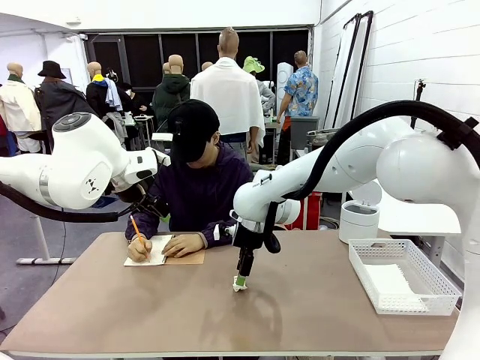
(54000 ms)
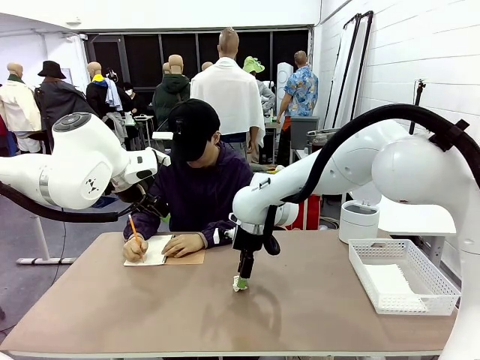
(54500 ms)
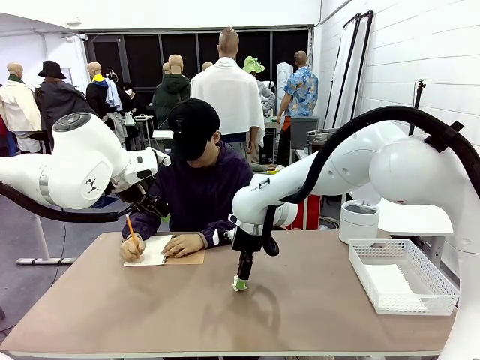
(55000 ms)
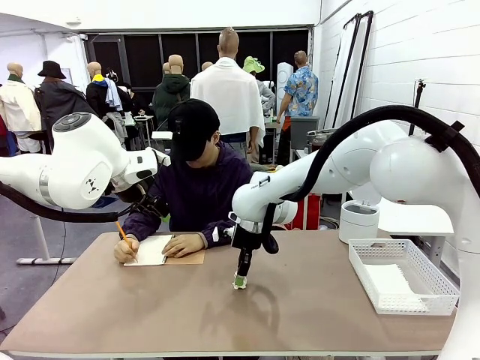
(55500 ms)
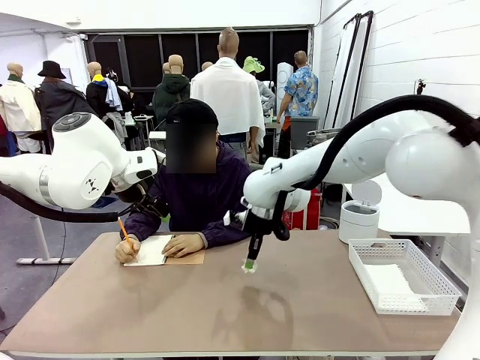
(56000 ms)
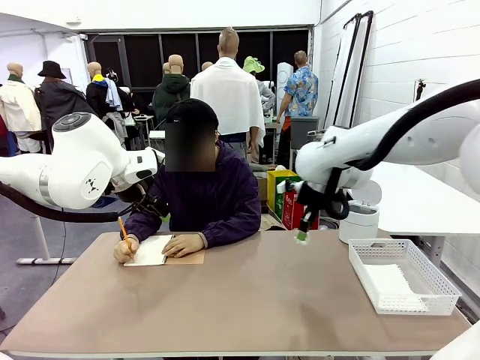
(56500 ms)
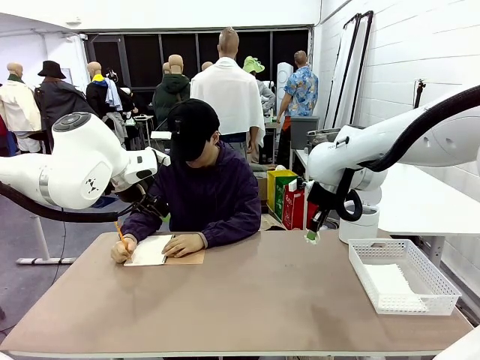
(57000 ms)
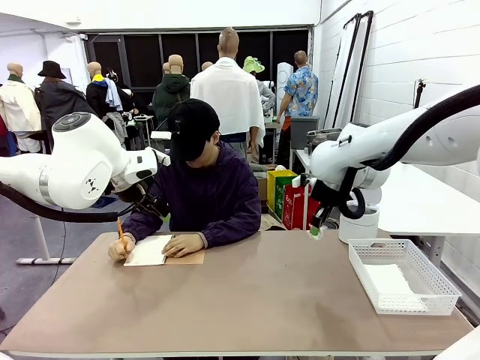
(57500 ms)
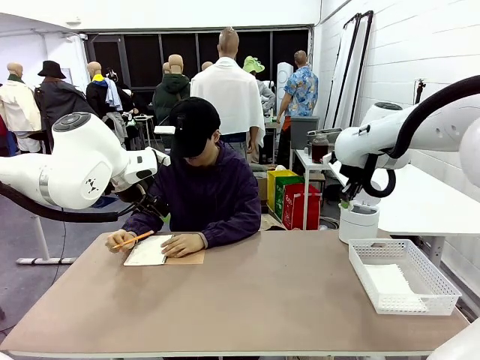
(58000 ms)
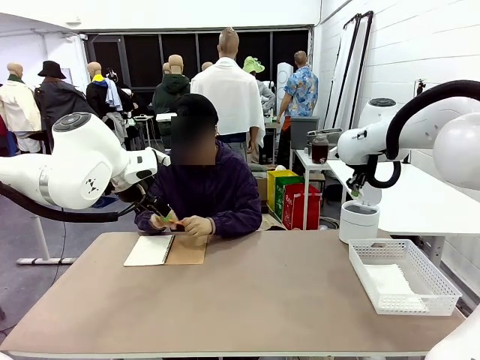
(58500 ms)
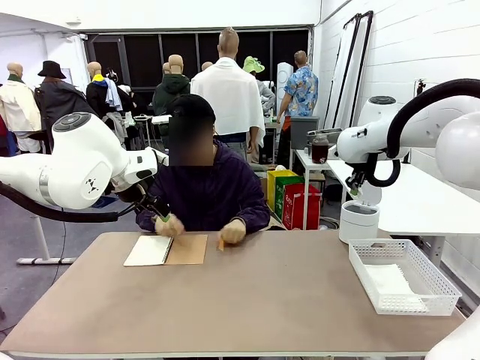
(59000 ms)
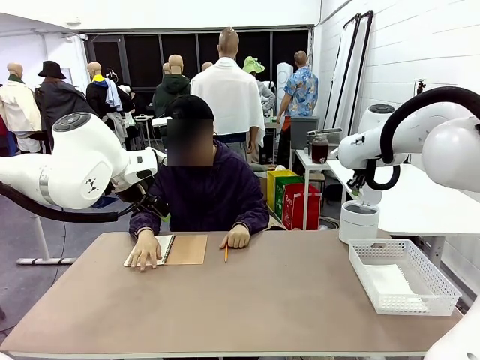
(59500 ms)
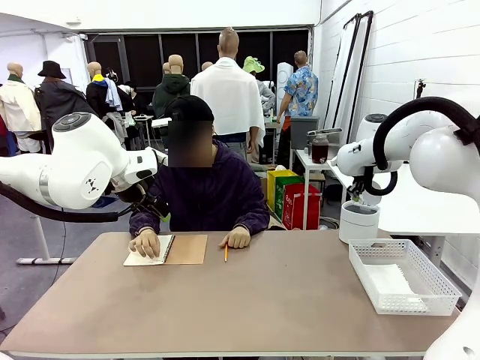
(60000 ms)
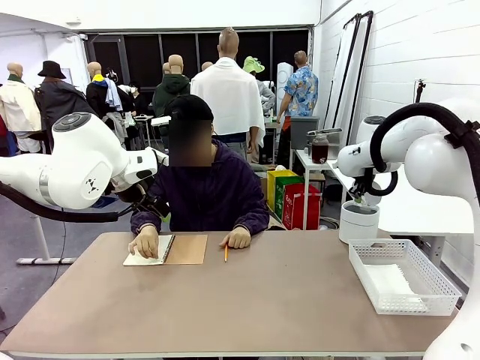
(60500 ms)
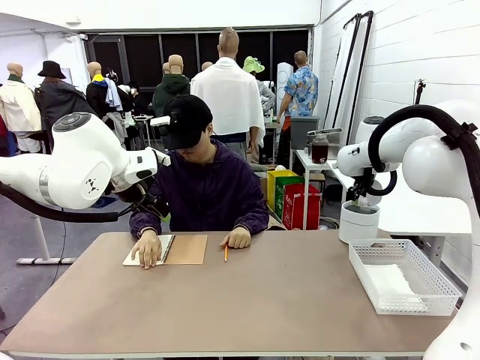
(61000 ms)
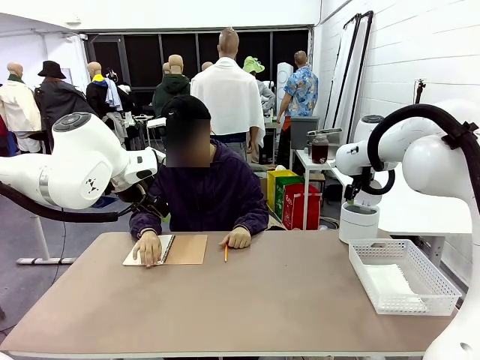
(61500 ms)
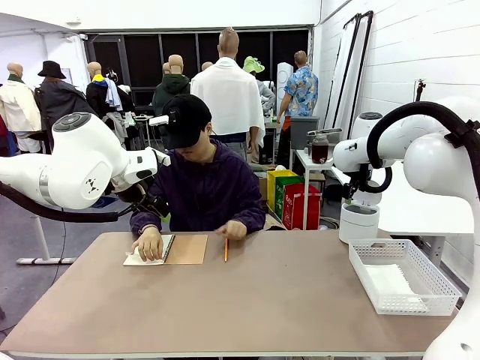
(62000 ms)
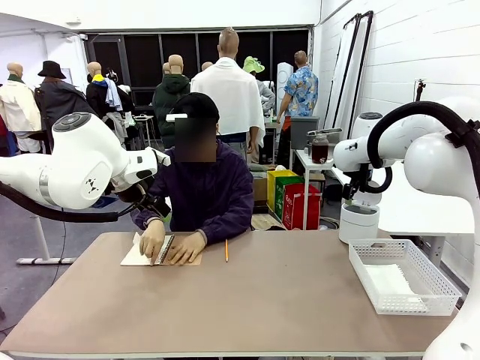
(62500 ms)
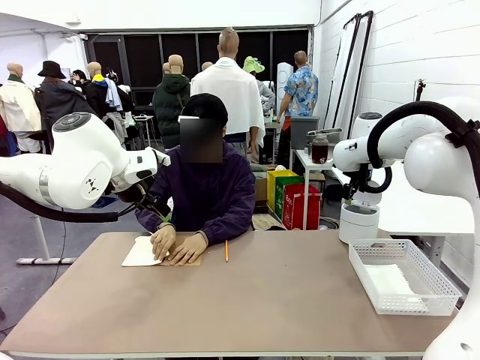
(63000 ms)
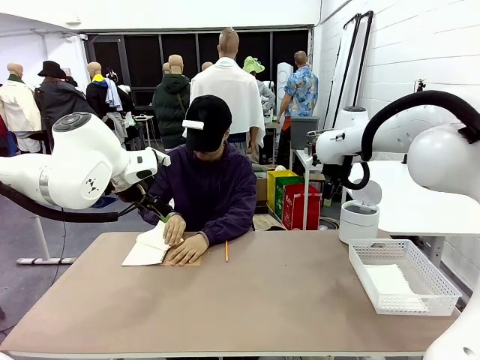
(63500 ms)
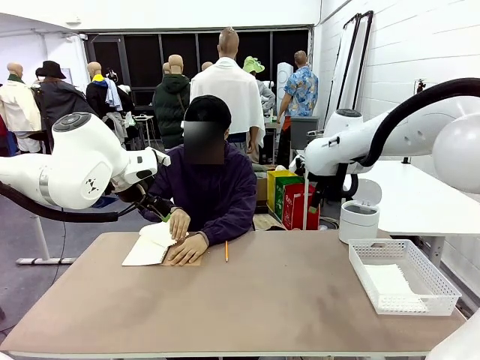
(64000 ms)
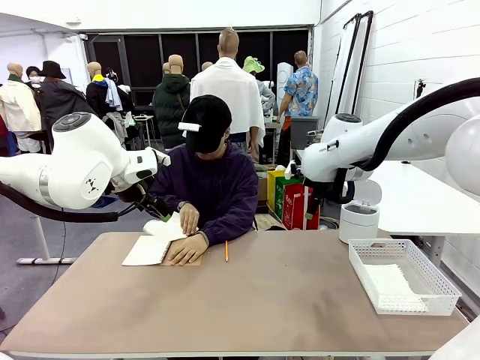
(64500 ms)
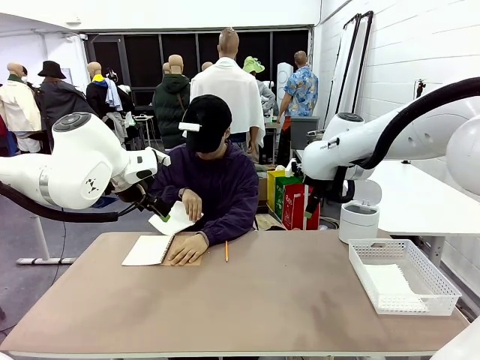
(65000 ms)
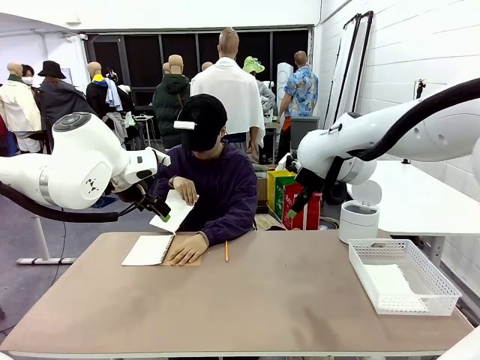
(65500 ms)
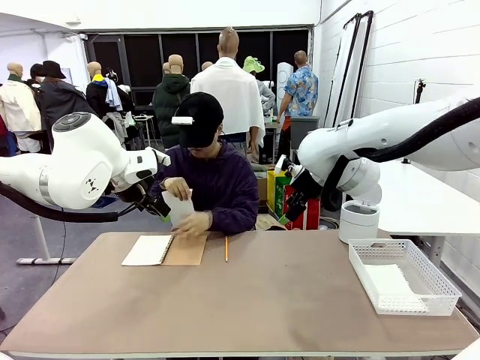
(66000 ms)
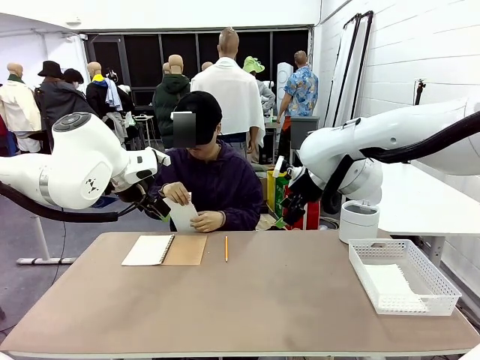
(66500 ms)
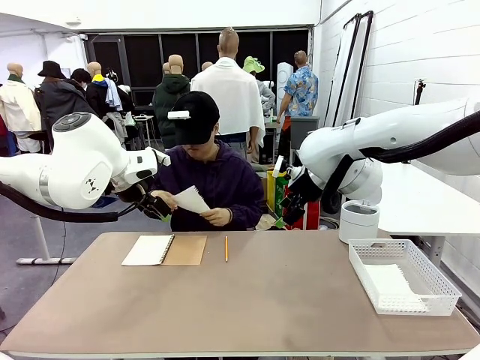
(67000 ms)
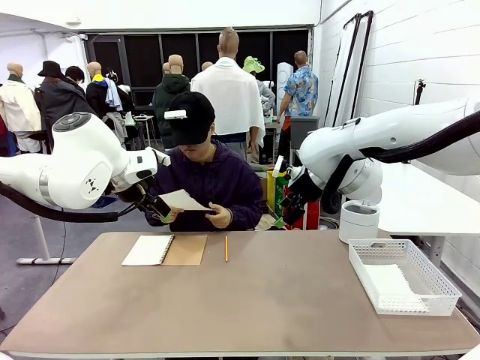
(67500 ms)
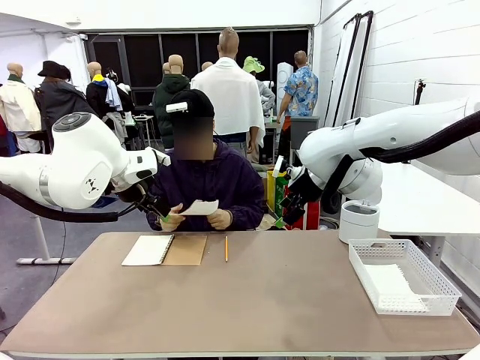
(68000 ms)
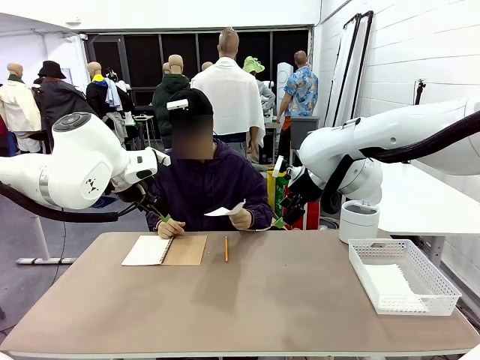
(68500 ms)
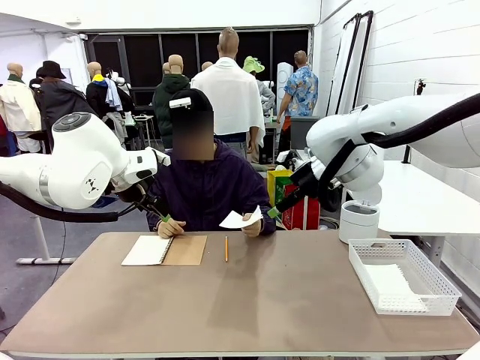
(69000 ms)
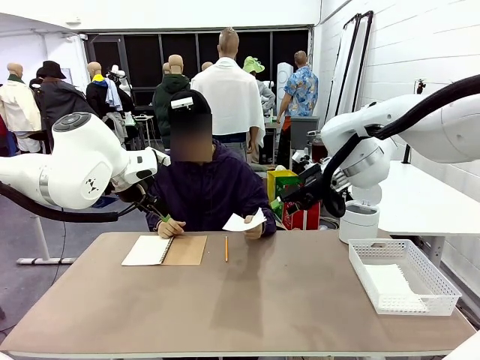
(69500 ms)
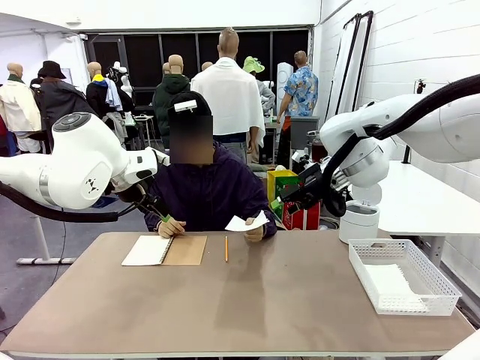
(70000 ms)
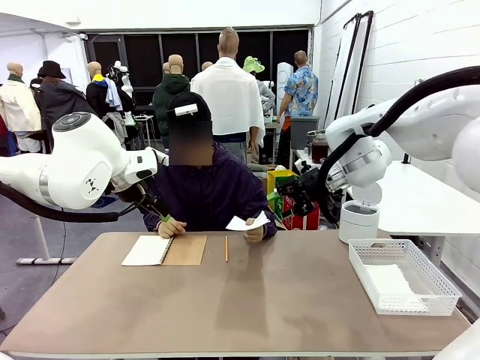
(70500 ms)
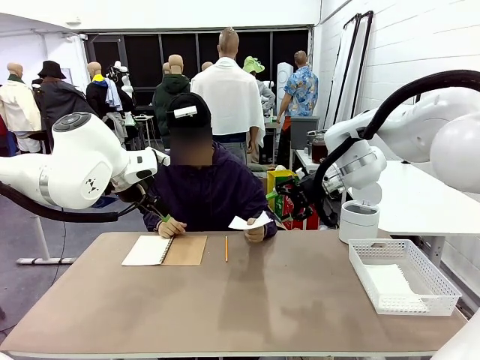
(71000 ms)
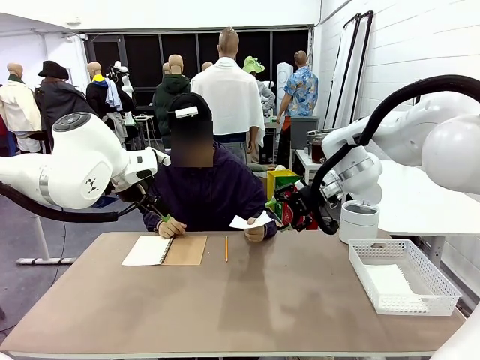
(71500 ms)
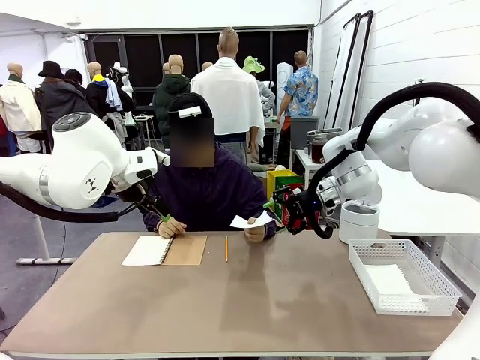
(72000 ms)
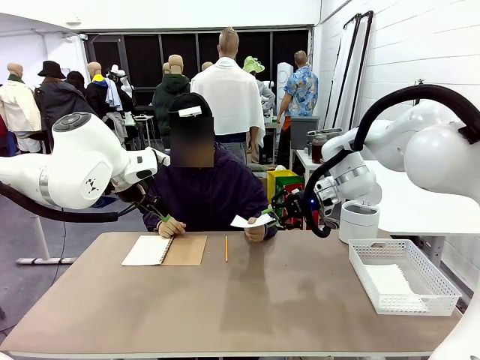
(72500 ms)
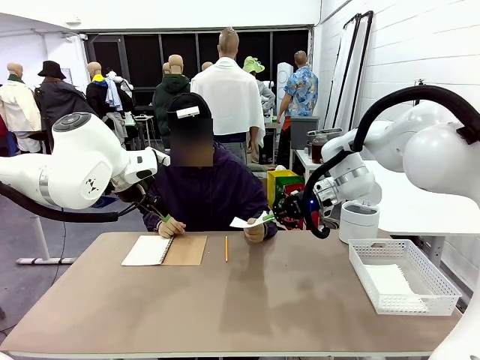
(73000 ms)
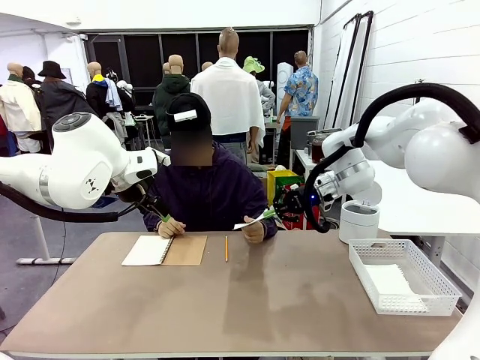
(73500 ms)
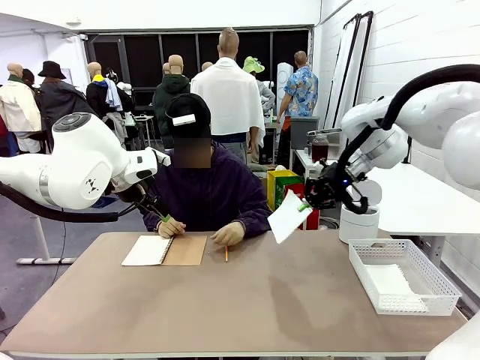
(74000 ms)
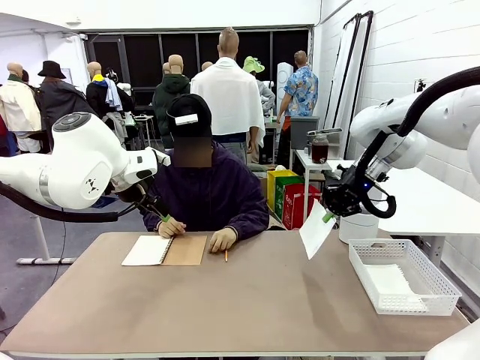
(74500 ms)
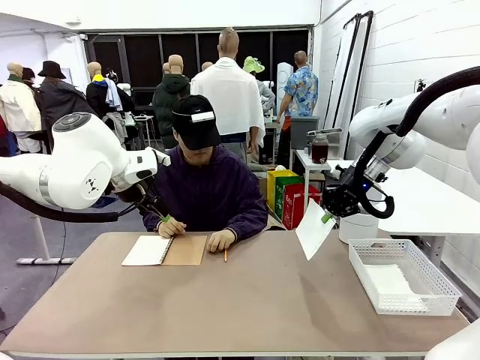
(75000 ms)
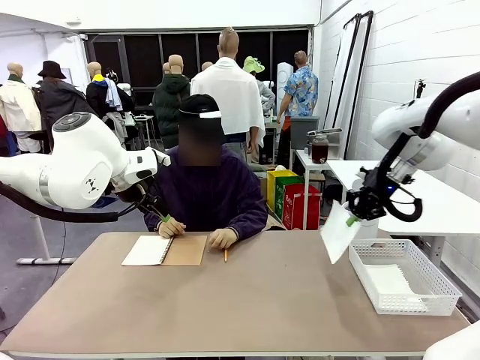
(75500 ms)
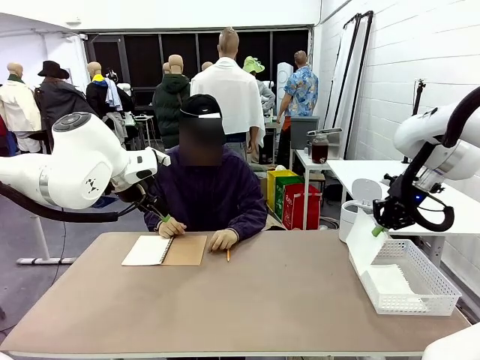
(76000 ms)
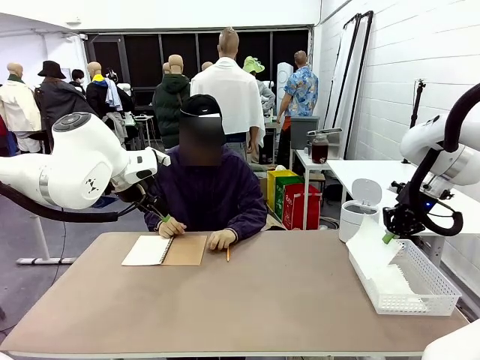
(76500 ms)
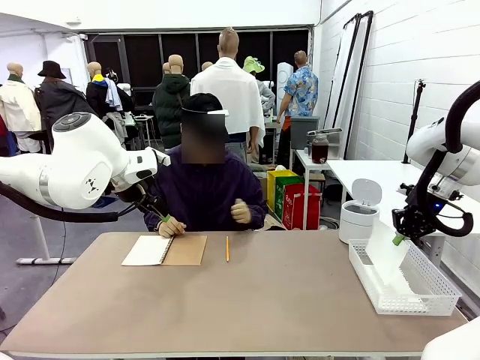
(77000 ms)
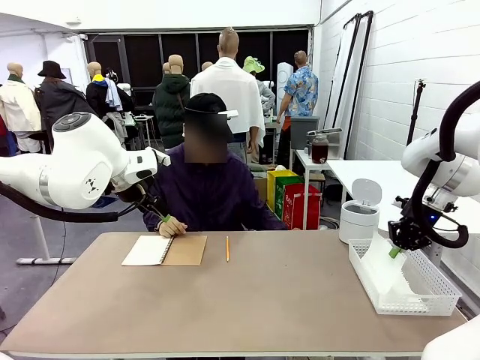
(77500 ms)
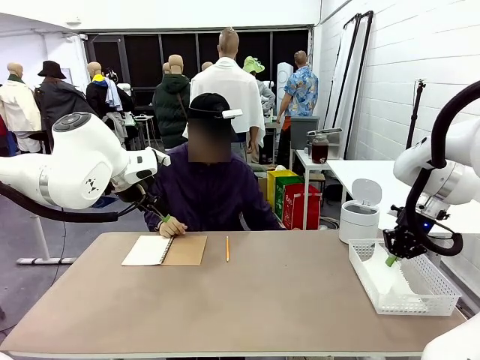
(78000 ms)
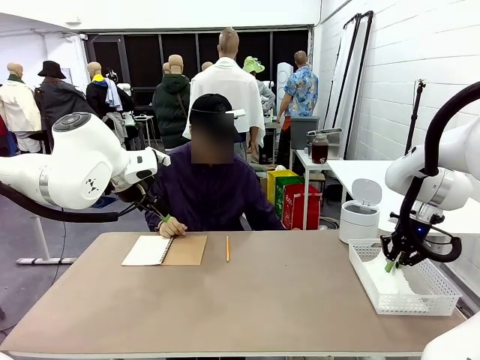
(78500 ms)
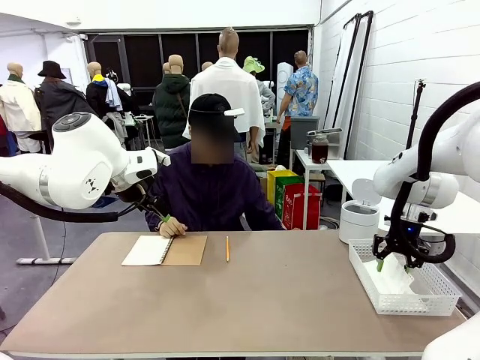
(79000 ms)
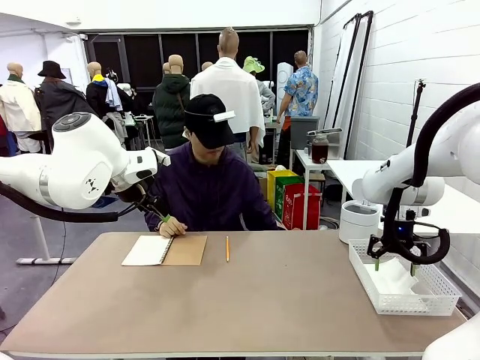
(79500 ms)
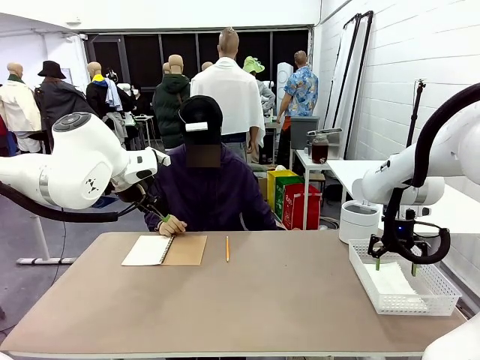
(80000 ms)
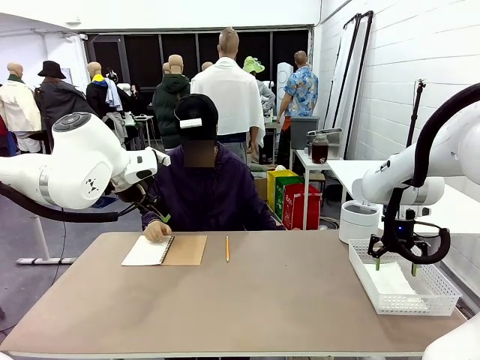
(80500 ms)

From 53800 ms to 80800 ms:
Task: Sort the paper based on its condition.
Robot: If a person hands you a paper, place it in the Organizing basket , and if it's crumpled, put it in the Trash can.
Person: Tear out a page from the spiral notebook. Hand the torn page to the robot or crumple it and throw it to the center of the table.
